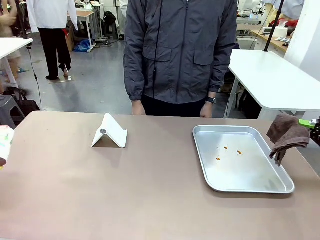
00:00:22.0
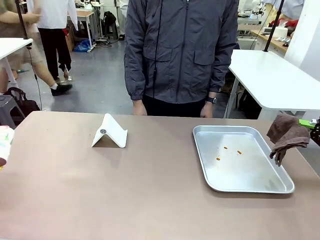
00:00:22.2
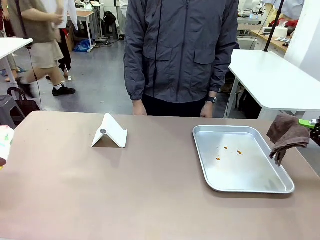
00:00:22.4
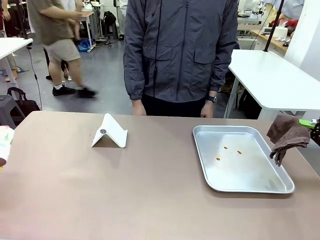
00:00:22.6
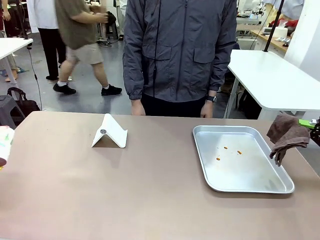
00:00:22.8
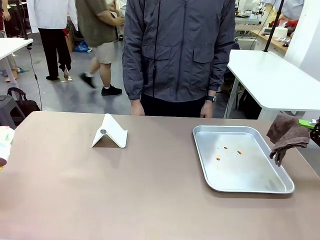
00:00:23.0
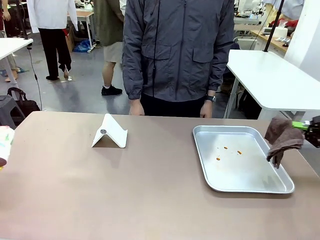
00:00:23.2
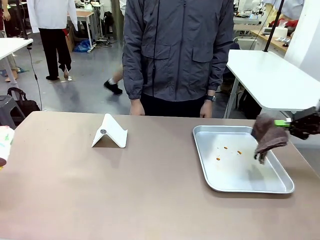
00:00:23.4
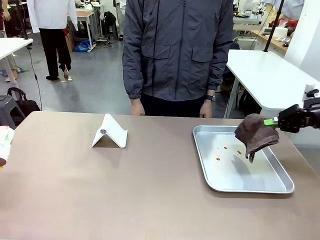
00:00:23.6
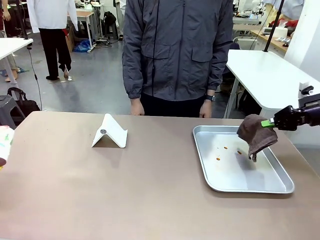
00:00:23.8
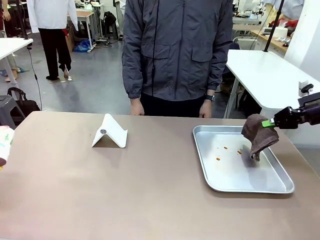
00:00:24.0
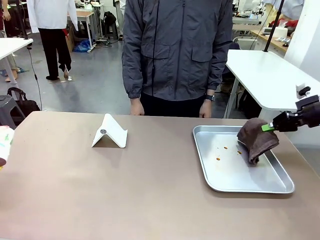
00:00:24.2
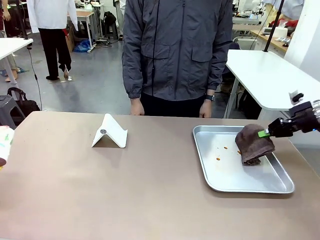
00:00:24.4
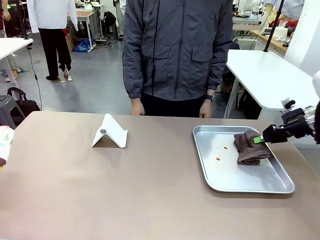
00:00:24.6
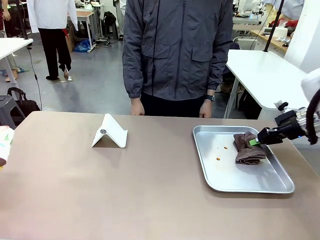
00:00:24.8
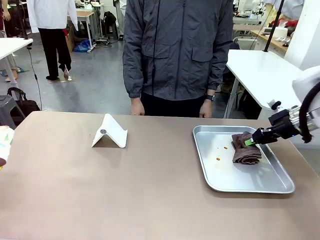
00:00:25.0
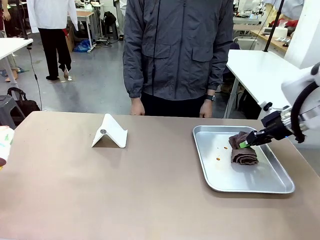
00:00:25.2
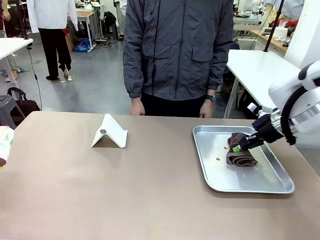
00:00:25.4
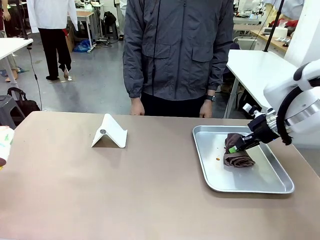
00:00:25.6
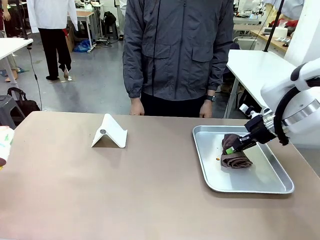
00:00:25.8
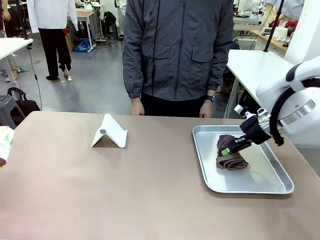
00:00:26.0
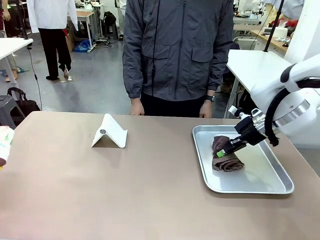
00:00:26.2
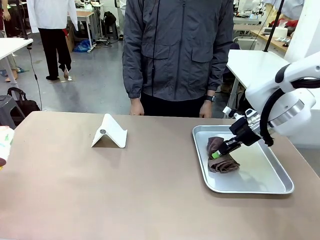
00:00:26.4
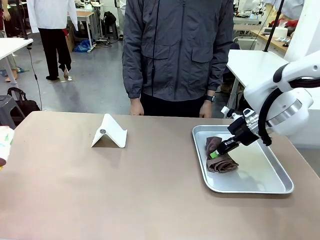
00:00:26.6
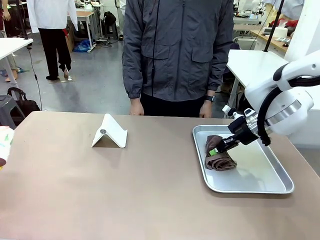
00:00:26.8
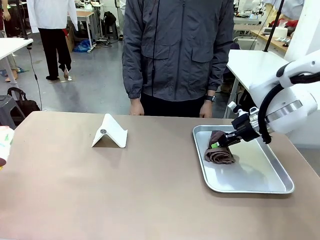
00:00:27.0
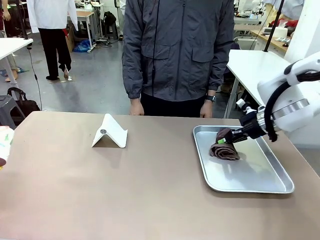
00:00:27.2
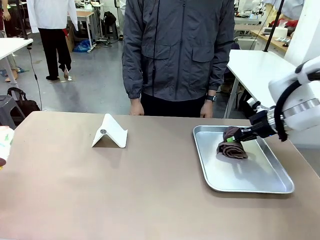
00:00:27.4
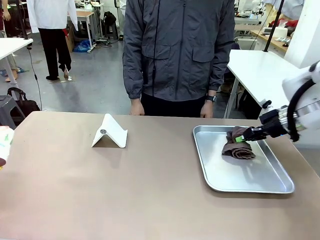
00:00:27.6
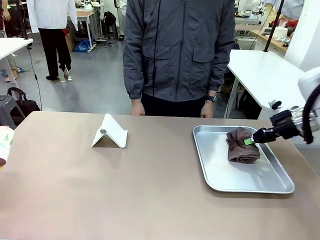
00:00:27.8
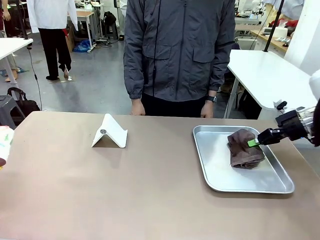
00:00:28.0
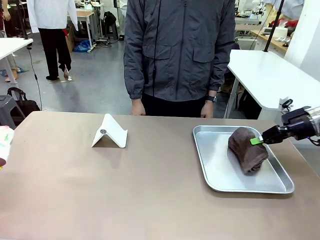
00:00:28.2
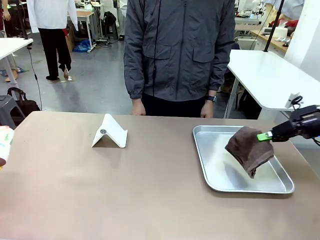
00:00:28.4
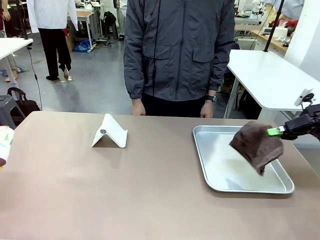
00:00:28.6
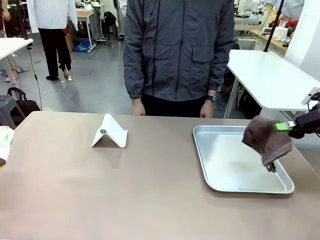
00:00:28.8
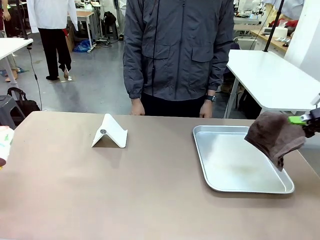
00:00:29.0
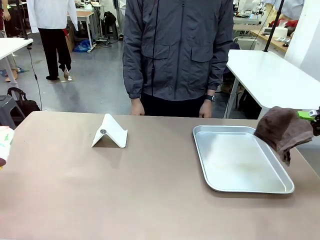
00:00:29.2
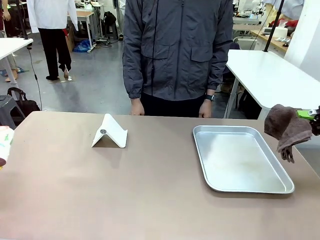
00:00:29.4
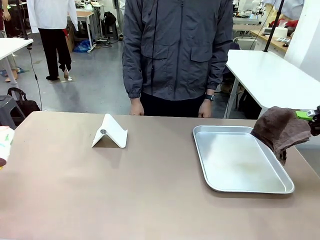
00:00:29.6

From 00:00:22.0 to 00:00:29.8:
Task: Clean the surface of the table.
Robot: Clean the area not pointed to by the person.

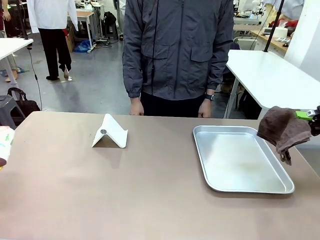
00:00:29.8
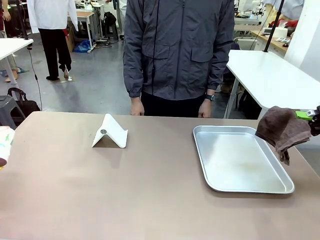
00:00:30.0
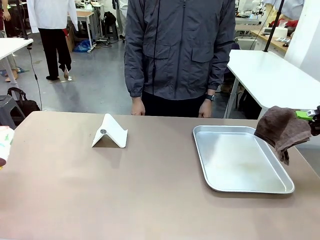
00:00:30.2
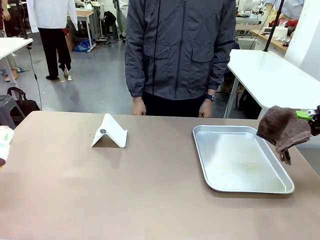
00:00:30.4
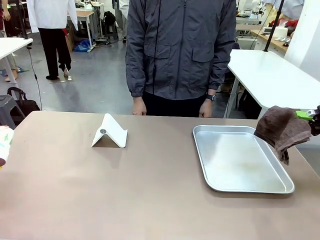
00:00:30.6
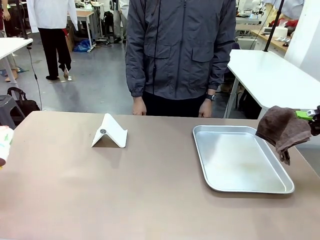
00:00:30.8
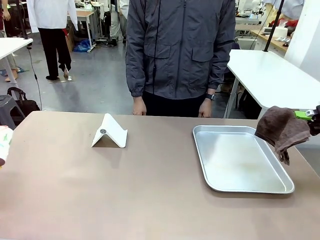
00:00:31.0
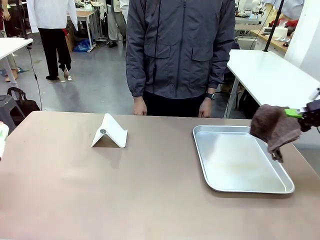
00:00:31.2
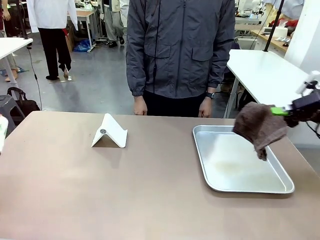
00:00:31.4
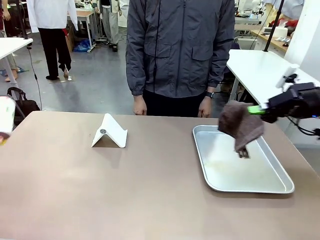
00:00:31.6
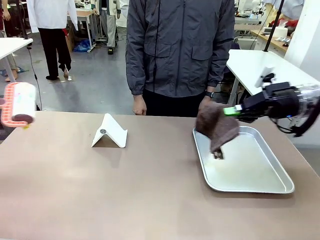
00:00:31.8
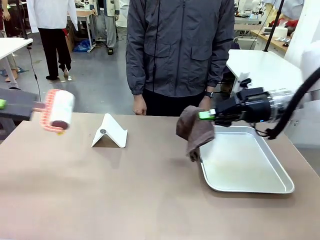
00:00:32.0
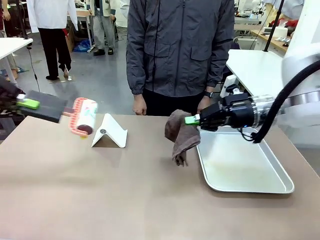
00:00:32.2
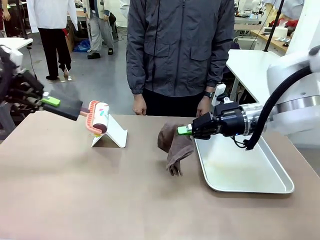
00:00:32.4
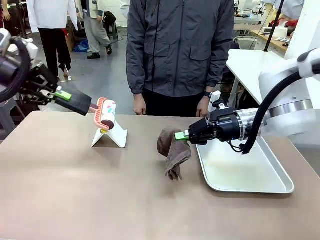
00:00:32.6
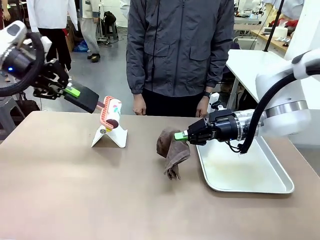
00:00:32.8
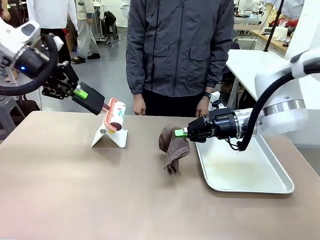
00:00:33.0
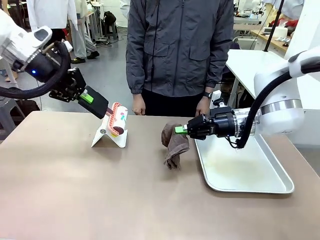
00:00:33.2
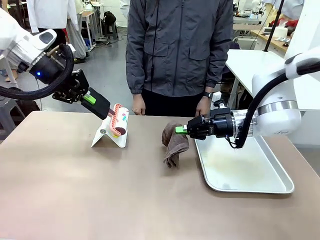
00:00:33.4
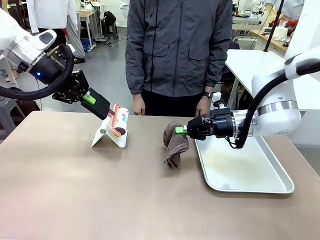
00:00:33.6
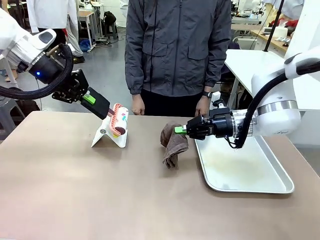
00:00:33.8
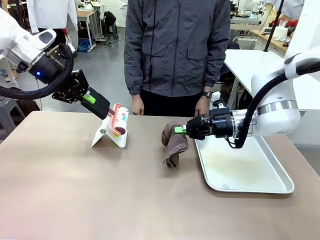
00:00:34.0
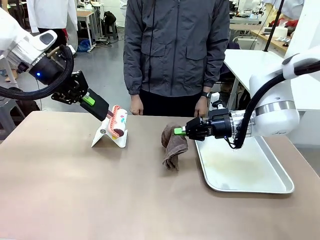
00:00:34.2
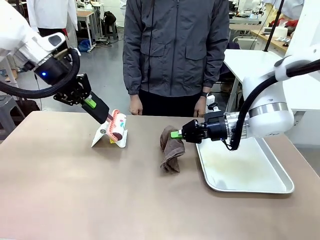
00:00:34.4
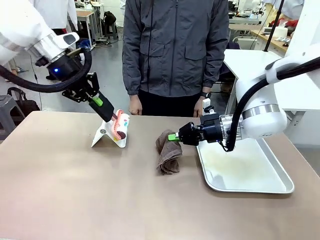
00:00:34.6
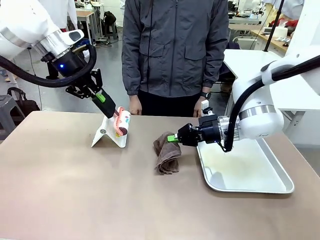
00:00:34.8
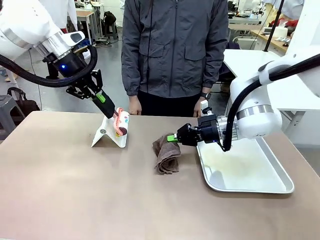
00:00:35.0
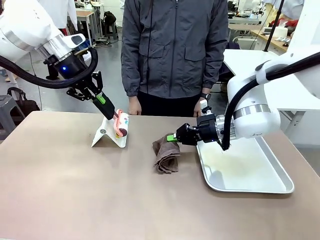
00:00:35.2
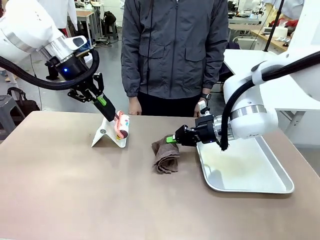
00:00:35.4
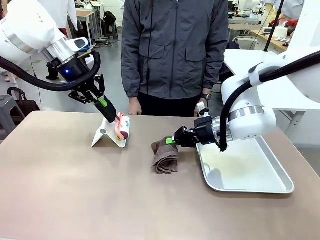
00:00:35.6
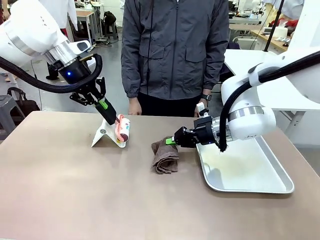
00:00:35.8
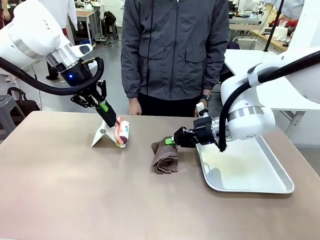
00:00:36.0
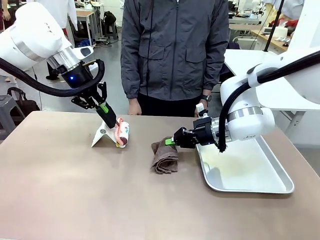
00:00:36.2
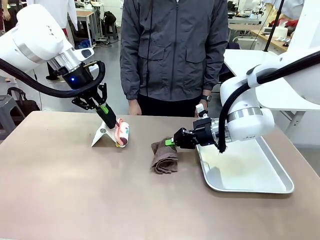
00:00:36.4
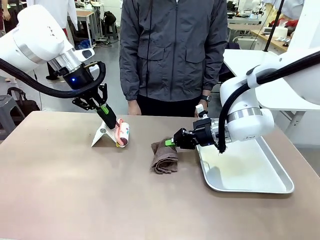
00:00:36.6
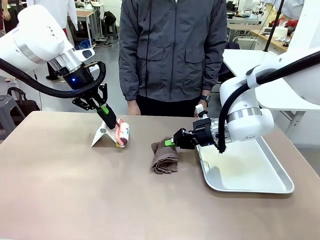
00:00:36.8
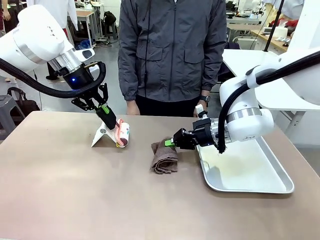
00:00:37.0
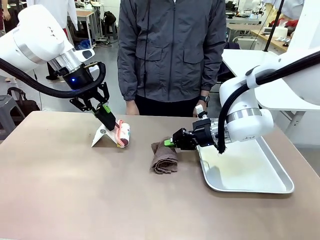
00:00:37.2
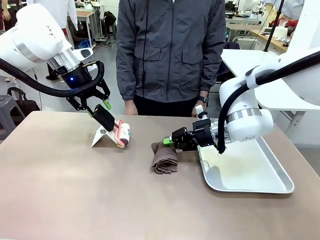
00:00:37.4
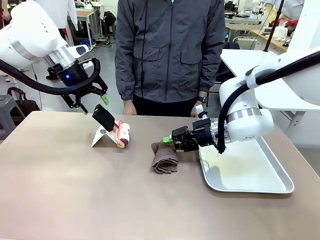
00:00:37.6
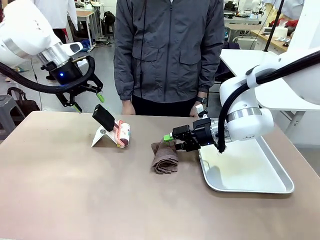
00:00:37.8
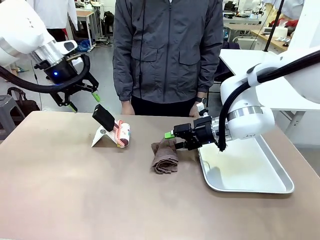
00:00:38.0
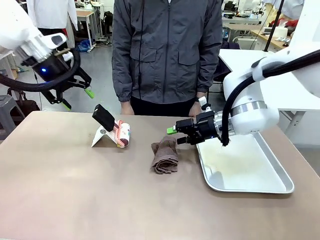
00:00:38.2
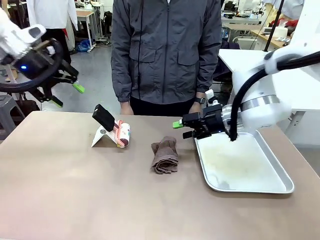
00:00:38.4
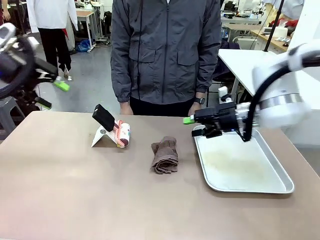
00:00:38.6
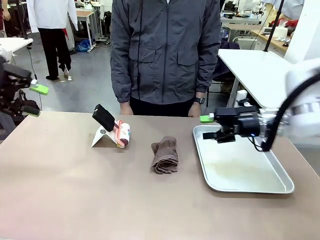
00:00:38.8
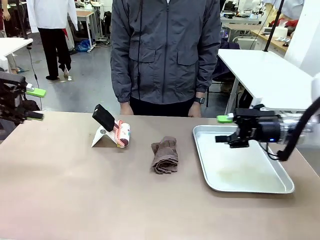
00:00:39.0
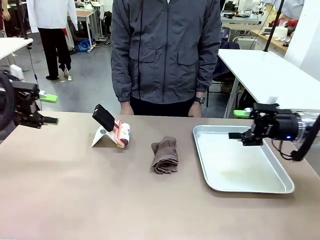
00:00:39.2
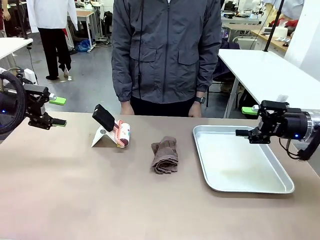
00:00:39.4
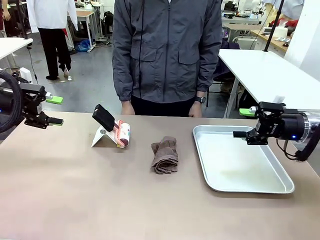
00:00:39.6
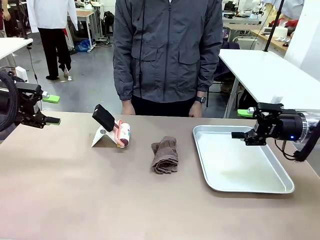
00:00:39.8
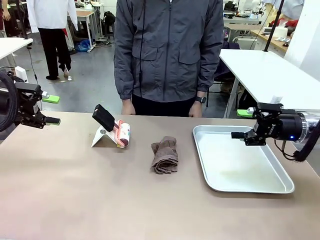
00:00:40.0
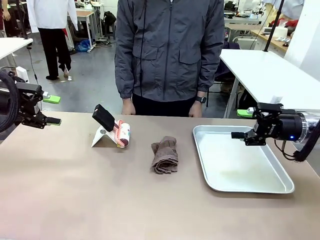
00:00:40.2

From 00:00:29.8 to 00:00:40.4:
Robot: Return the Lint Roller and towel to their original positions.
